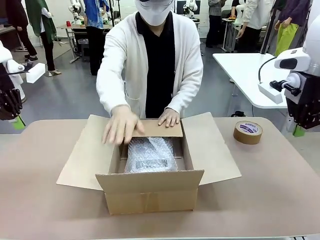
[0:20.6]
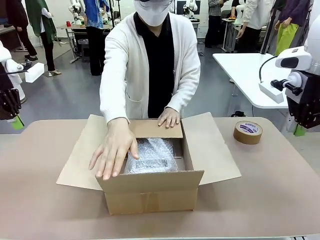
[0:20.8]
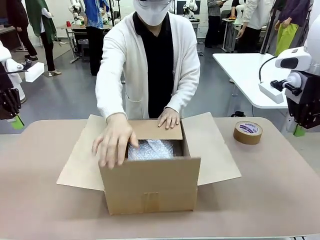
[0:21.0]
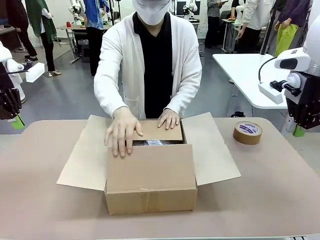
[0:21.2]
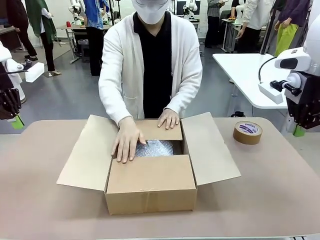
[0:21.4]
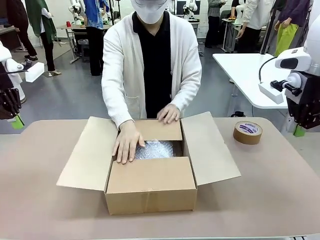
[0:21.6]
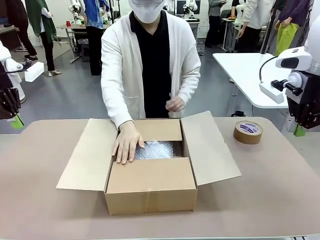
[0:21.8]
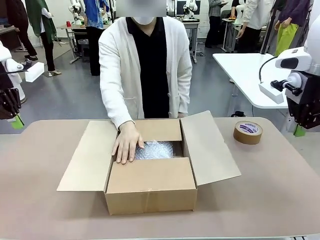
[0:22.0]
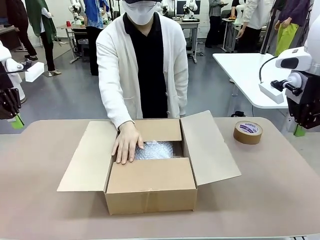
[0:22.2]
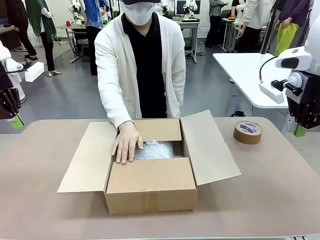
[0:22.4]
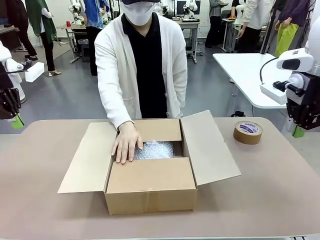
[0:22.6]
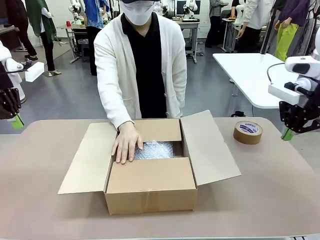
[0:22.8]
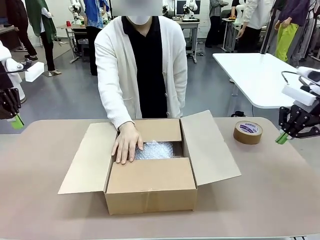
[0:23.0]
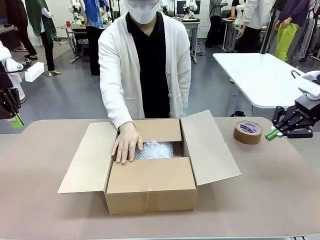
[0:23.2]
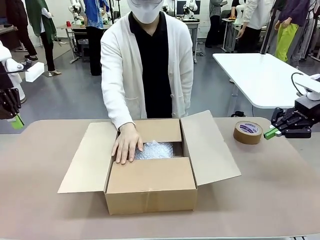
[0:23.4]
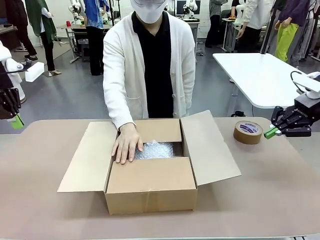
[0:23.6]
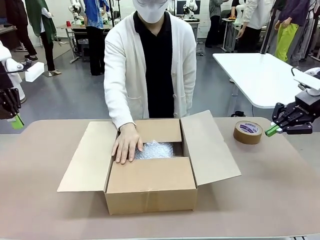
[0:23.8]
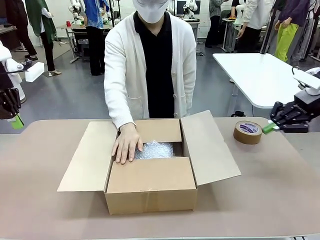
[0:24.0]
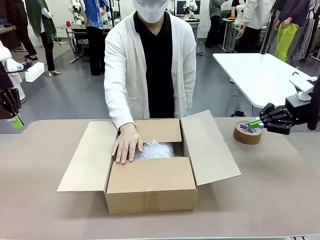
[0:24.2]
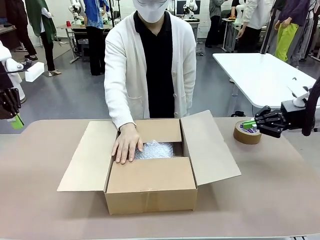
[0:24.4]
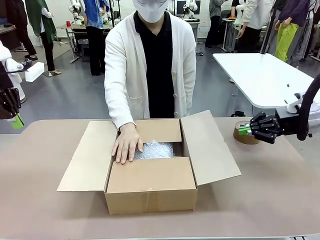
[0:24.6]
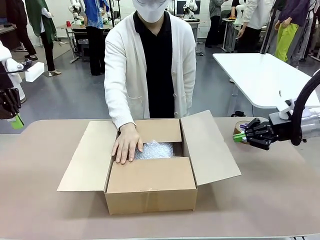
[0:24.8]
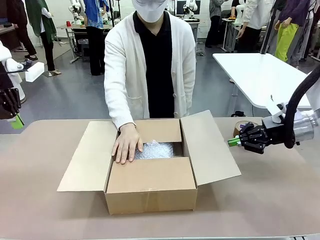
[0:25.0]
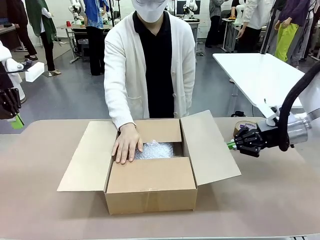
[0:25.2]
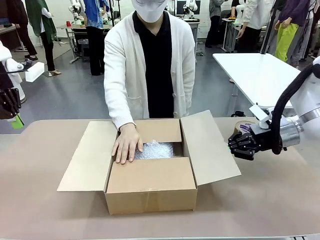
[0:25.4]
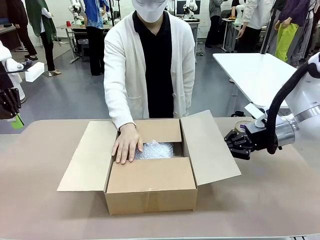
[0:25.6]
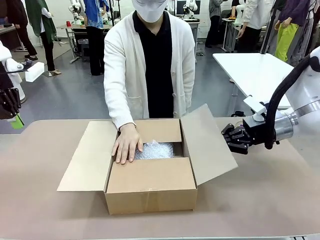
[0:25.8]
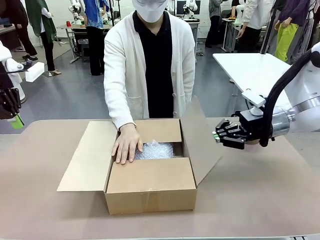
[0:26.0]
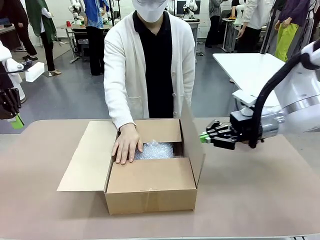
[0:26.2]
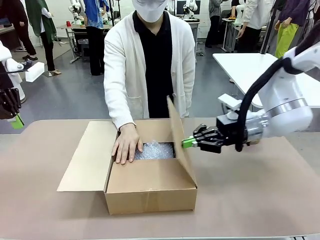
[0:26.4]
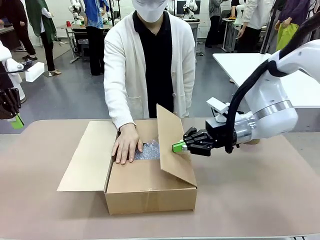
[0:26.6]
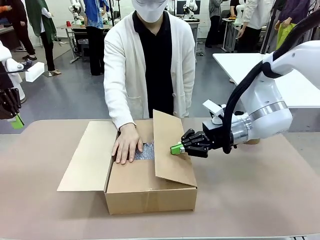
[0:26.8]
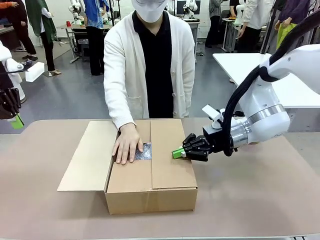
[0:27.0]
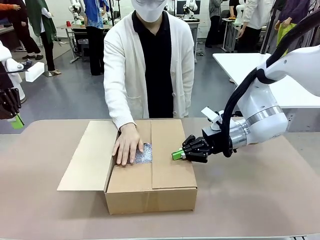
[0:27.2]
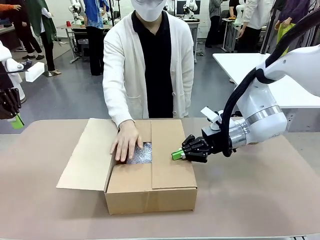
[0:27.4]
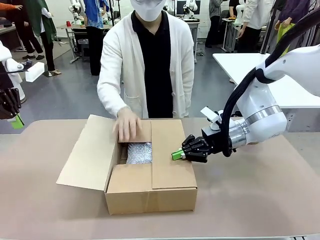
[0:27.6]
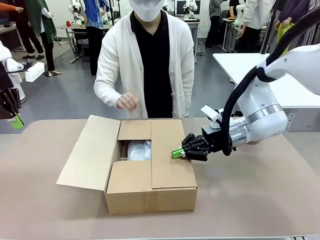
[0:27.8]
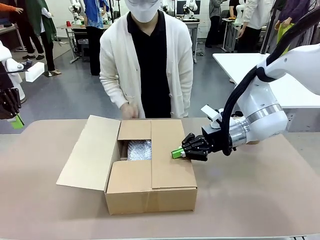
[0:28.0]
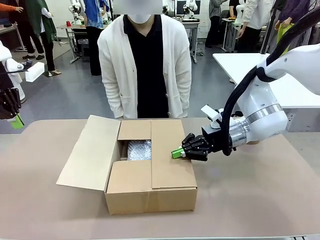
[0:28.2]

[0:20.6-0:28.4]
Task: Wrap the clocks to prevent damage.
Robot: Push the right (or left) flap of the Package Box to close it.
Person: Once the robot closes the right flap of the Package Box , release your left hand from the box.

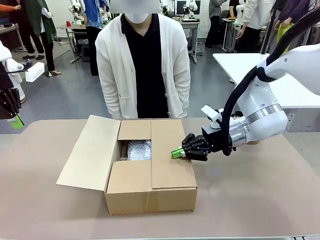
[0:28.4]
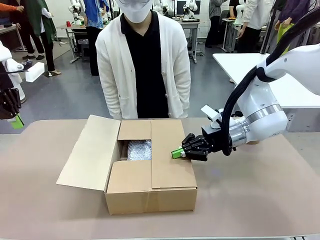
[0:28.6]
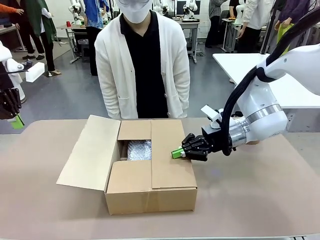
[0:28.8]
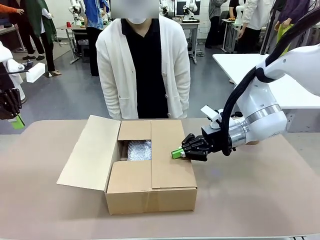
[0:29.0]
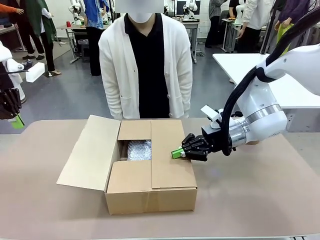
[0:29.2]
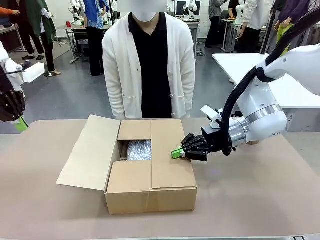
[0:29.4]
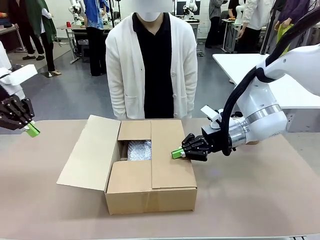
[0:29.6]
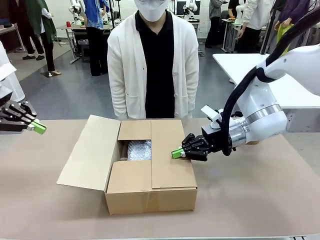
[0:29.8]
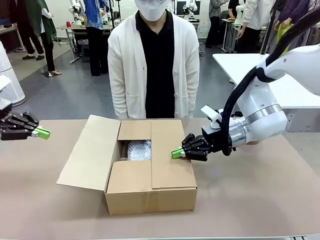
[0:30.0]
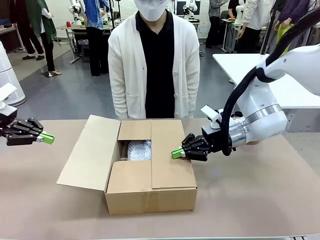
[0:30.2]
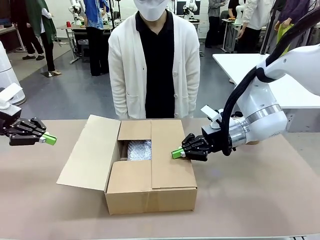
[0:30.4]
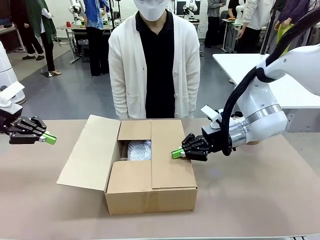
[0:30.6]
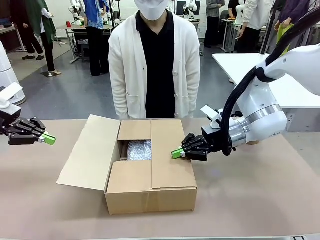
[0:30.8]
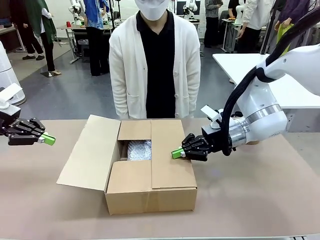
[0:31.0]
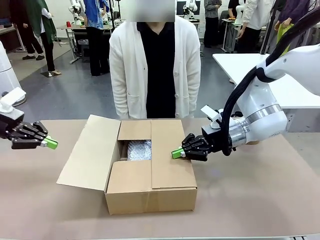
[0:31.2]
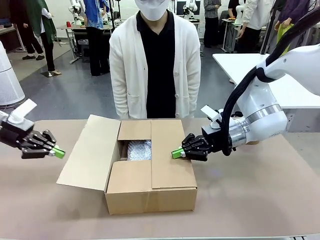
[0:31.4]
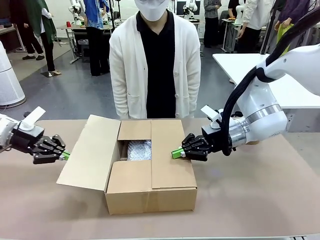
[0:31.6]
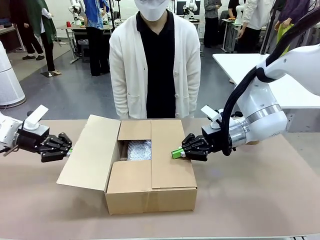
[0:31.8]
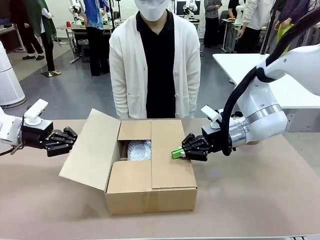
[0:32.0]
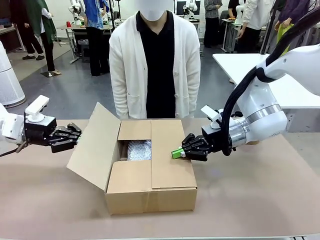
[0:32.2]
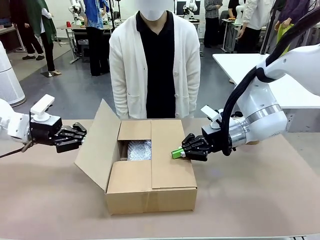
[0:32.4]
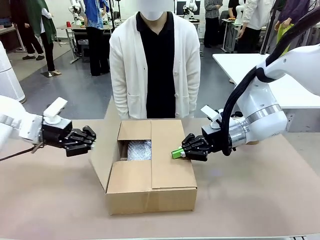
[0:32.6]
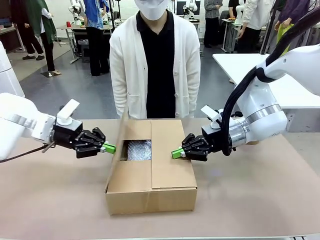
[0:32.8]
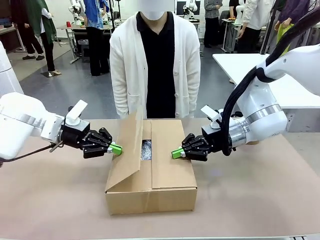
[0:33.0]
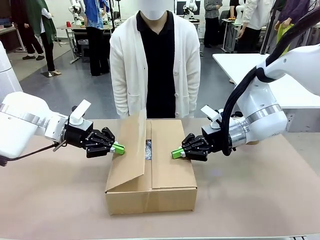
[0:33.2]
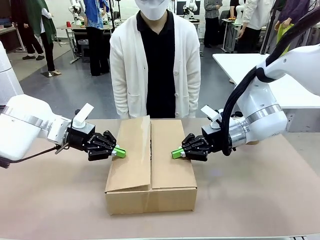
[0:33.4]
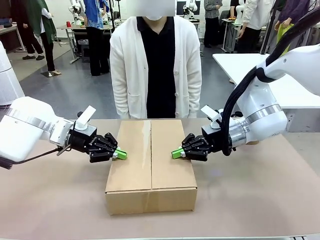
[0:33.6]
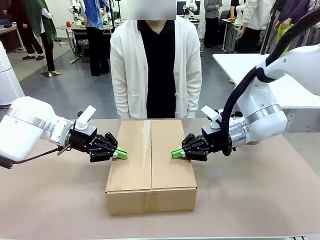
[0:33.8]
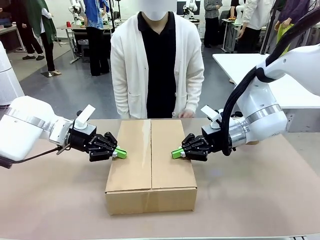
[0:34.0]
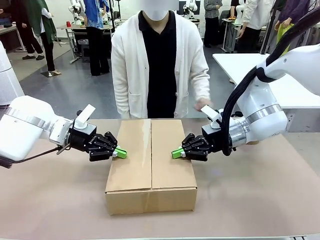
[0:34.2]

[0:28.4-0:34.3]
Robot: Push the left (or right) flap of the Package Box to close it.

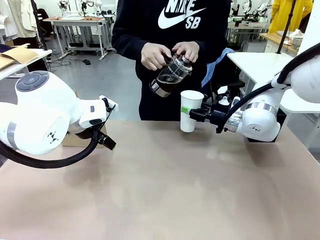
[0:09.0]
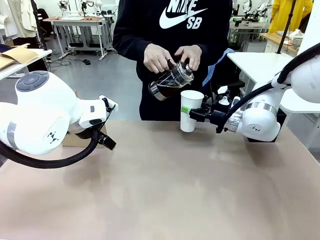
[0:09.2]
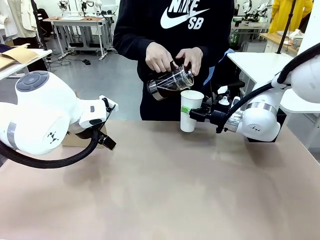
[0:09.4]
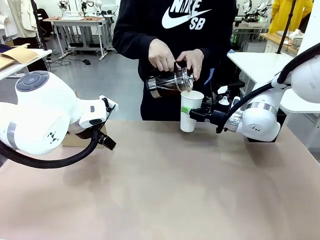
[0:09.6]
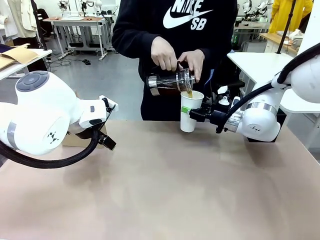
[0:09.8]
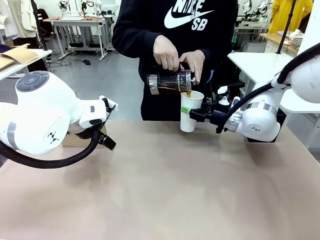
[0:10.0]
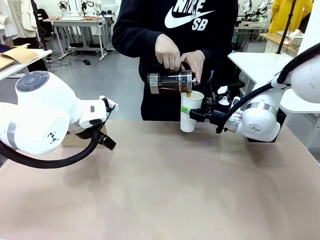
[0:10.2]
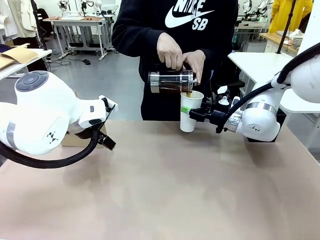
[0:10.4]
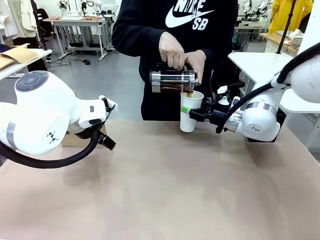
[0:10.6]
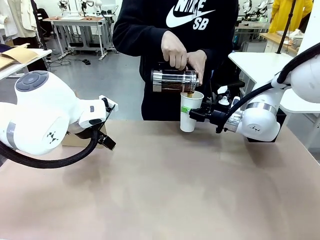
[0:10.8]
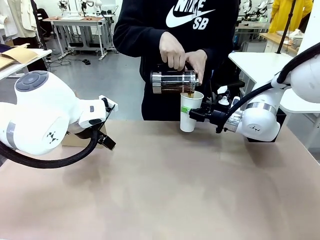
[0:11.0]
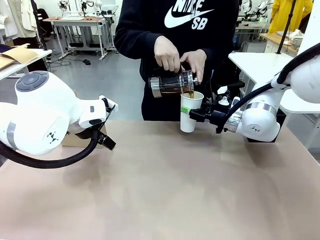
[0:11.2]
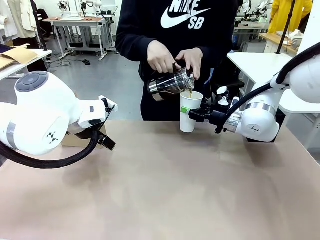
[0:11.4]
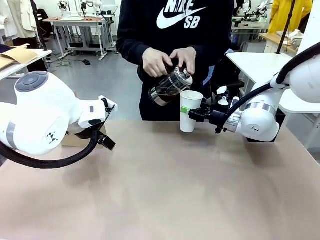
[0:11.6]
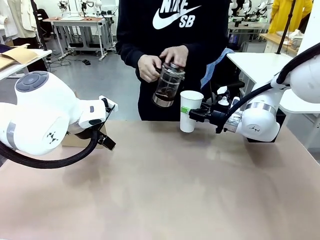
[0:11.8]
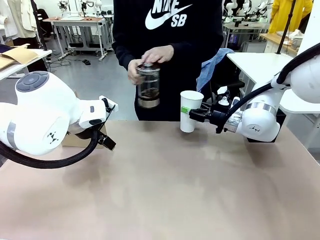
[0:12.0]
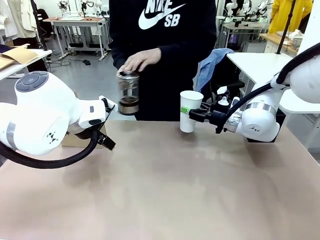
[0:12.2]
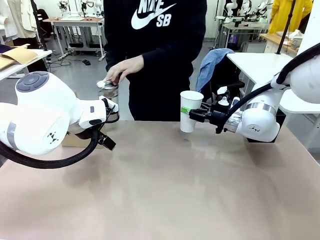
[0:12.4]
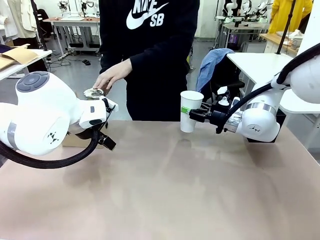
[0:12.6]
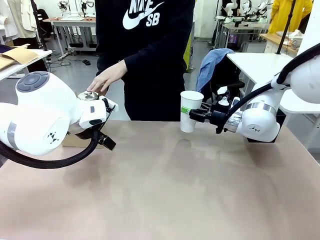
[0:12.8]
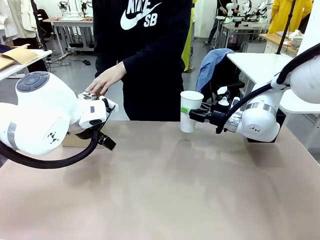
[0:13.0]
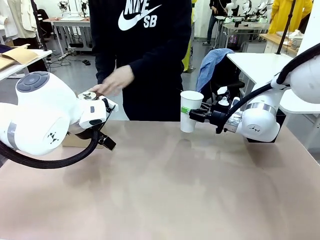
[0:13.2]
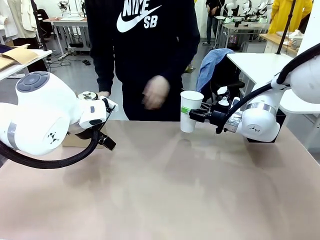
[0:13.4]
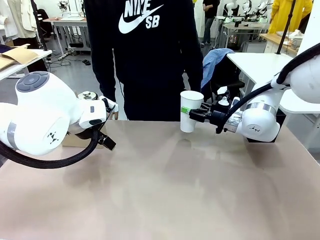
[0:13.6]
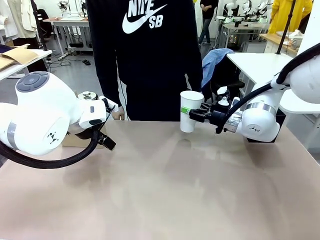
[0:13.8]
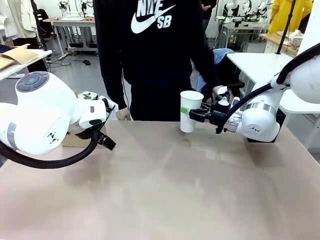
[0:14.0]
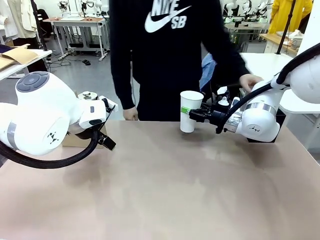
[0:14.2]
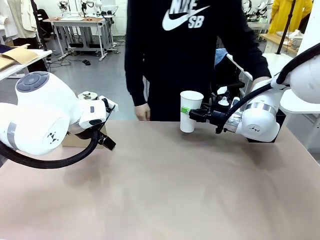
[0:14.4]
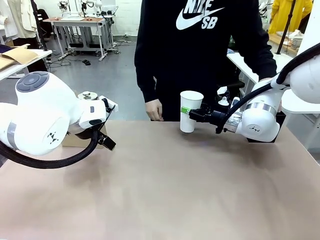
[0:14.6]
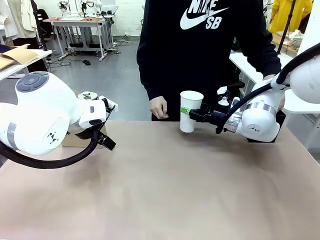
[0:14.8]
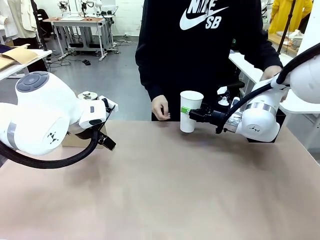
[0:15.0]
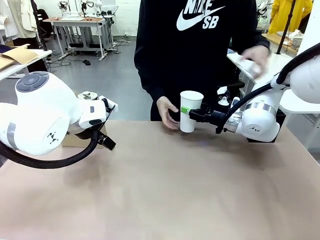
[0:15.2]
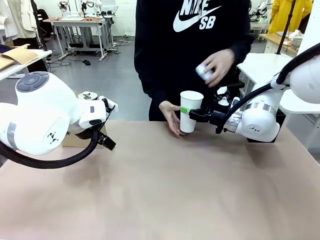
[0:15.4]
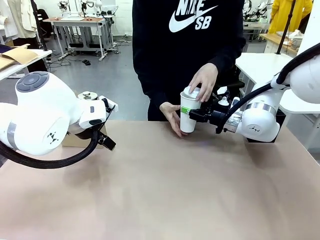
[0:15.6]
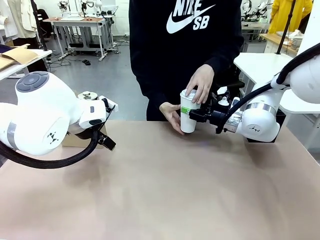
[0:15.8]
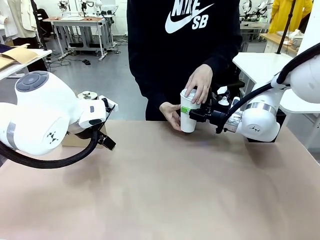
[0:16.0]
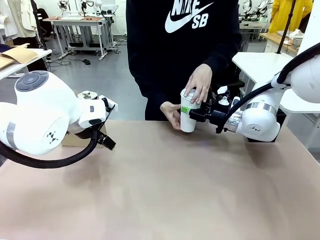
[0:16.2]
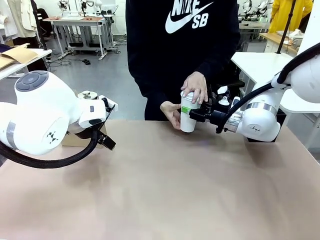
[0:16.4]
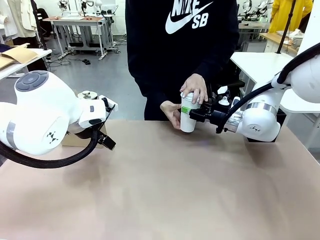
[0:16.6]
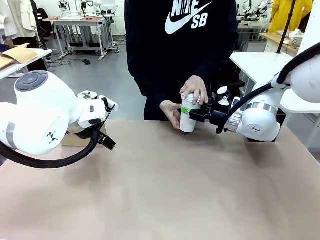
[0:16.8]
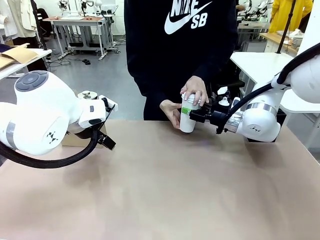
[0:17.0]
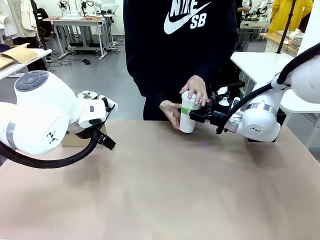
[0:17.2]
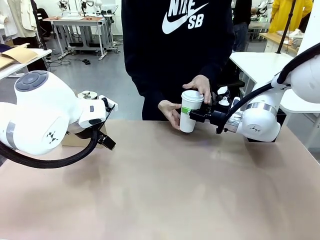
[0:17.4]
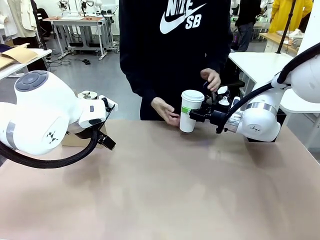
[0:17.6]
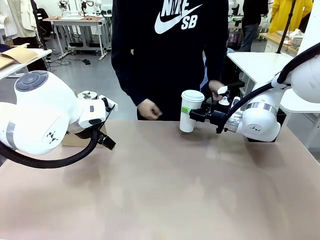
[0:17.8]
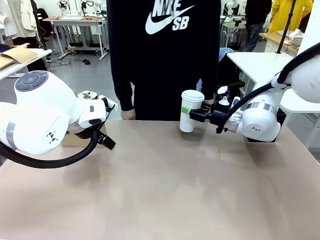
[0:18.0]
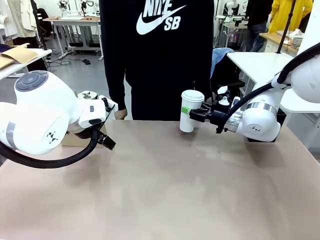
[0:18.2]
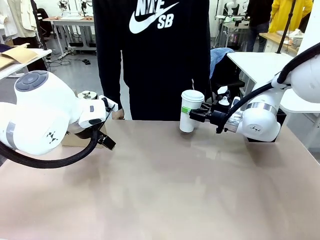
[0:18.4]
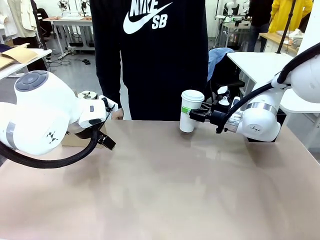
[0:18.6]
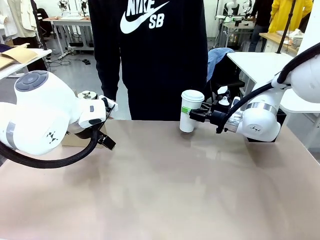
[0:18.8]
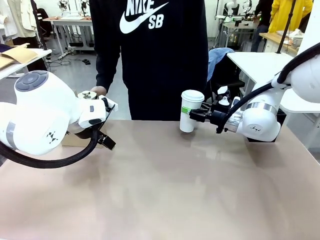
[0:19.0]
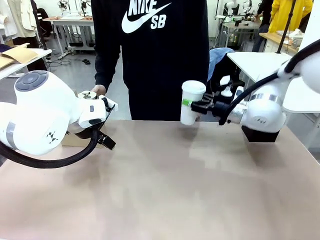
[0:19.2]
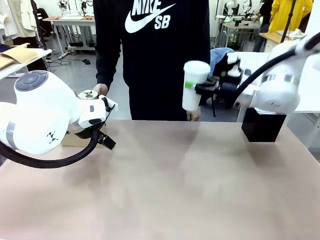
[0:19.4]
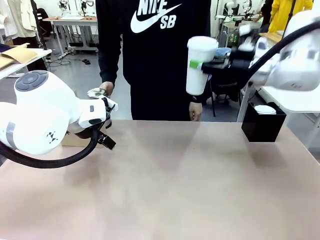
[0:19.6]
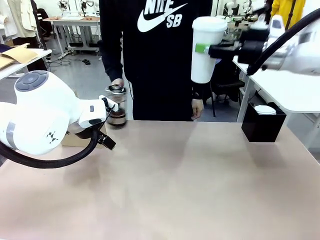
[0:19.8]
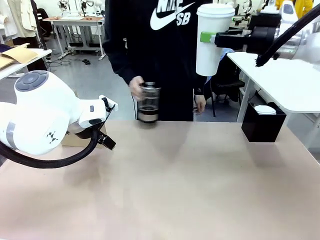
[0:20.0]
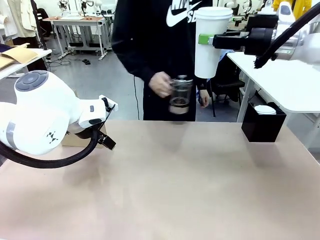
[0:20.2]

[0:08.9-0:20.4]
Task: Pour a drink into a cup and package it in a carrier.
Robot: When a person places the Paper Cup Lid on the 600 ml Paper Cup , lift the 600 ml Paper Cup.
Person: Pour the drink from the Filter Brewing into the 600 ml Paper Cup. Place a Paper Cup Lid on the 600 ml Paper Cup.
